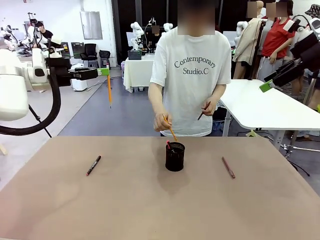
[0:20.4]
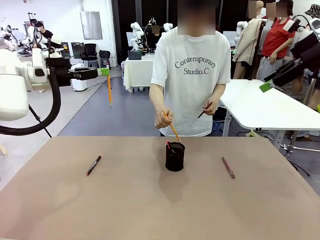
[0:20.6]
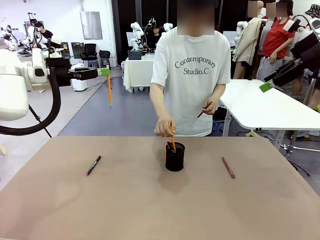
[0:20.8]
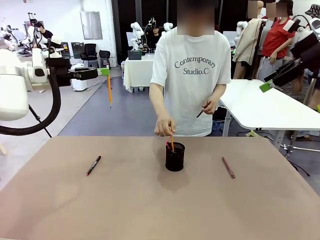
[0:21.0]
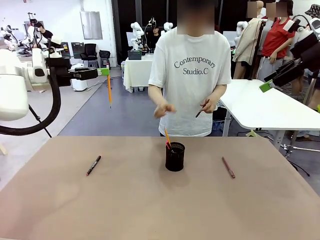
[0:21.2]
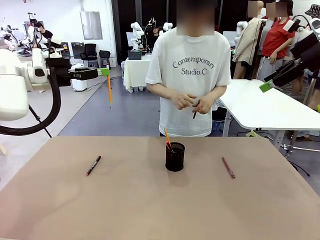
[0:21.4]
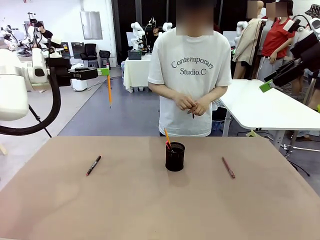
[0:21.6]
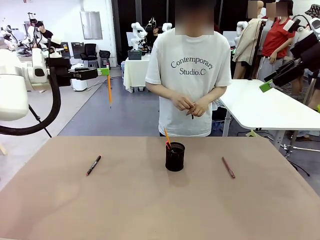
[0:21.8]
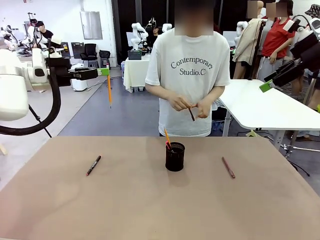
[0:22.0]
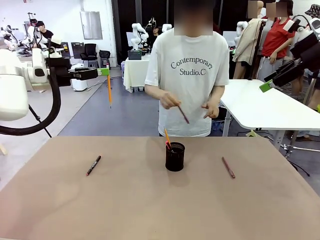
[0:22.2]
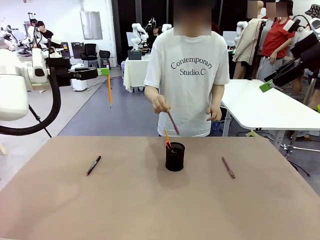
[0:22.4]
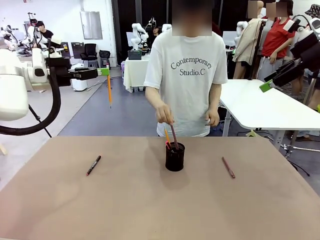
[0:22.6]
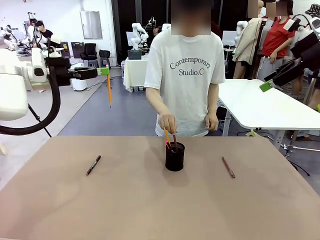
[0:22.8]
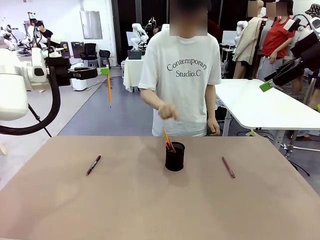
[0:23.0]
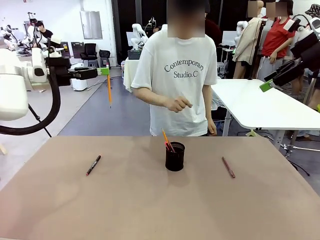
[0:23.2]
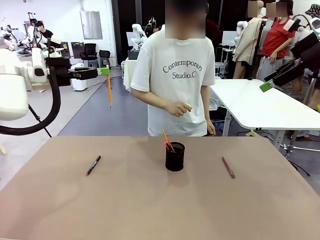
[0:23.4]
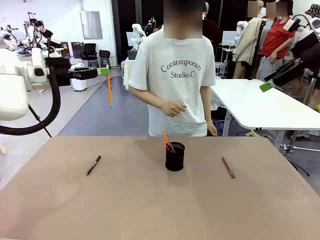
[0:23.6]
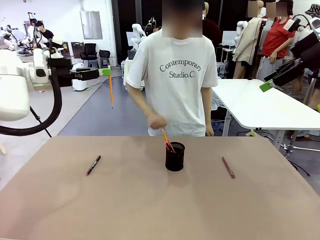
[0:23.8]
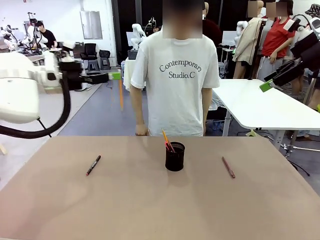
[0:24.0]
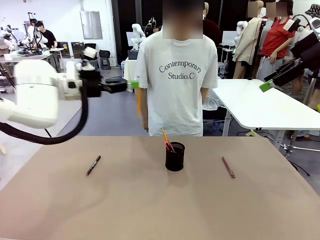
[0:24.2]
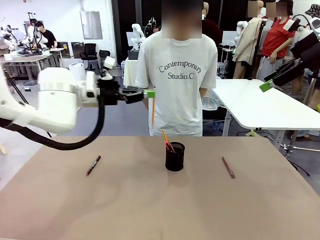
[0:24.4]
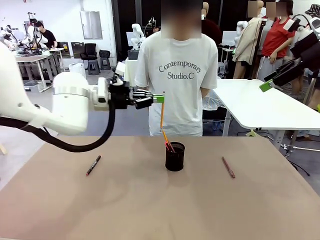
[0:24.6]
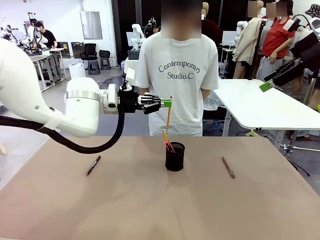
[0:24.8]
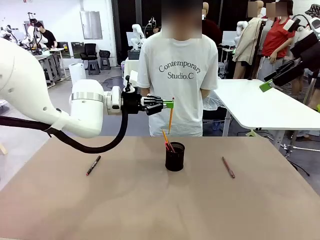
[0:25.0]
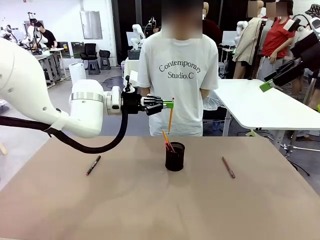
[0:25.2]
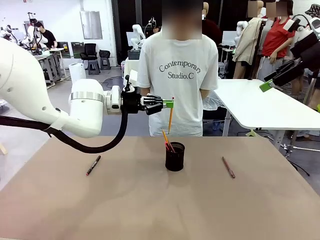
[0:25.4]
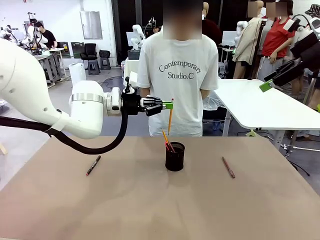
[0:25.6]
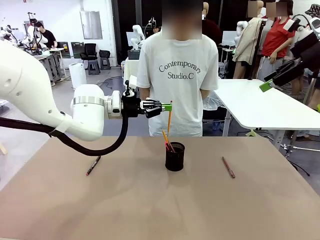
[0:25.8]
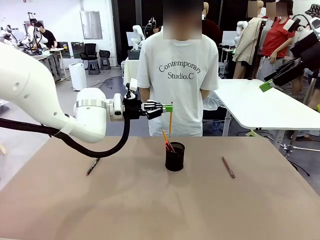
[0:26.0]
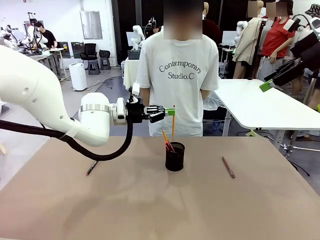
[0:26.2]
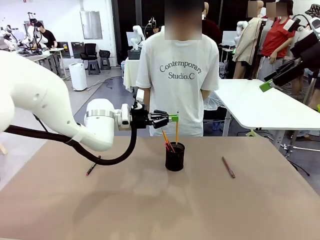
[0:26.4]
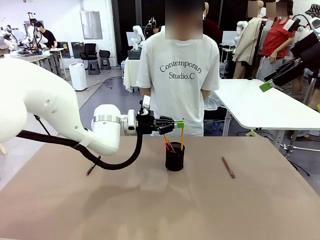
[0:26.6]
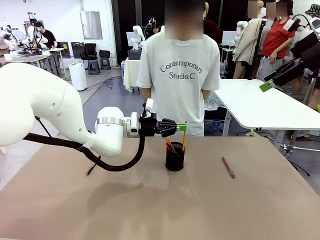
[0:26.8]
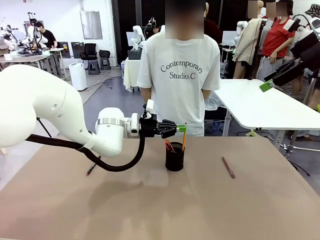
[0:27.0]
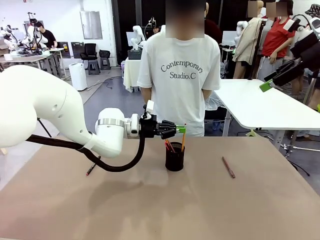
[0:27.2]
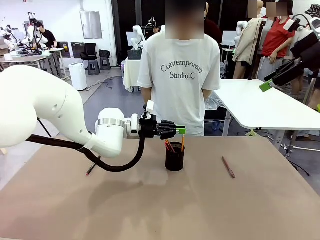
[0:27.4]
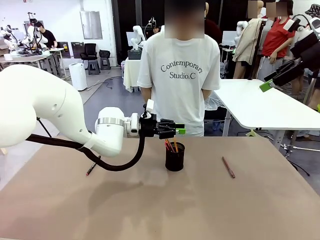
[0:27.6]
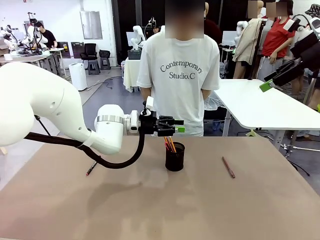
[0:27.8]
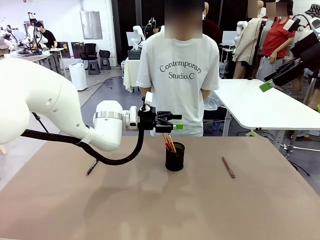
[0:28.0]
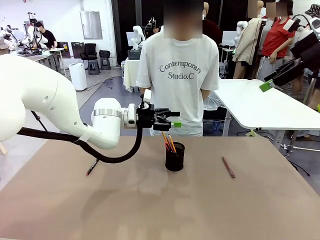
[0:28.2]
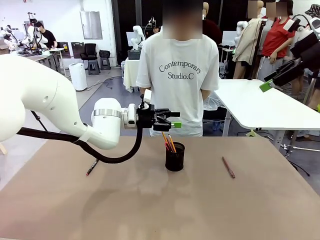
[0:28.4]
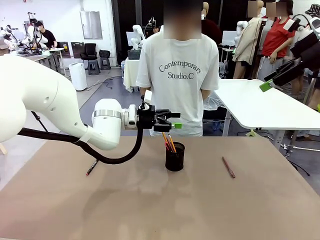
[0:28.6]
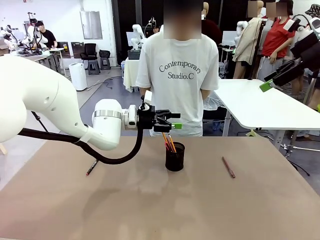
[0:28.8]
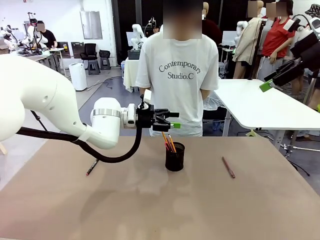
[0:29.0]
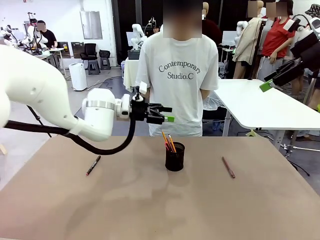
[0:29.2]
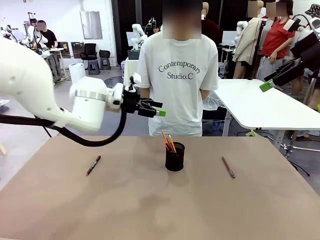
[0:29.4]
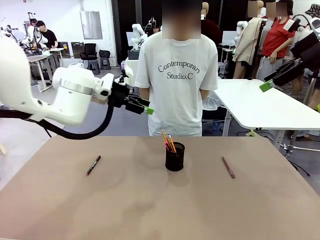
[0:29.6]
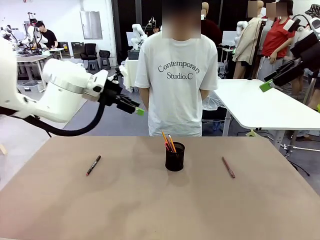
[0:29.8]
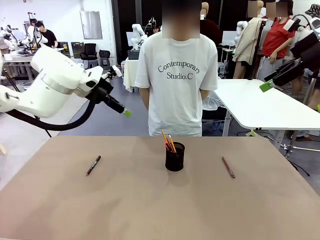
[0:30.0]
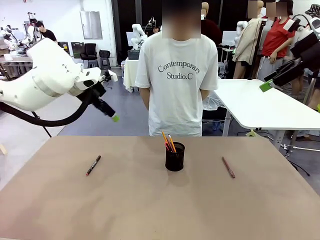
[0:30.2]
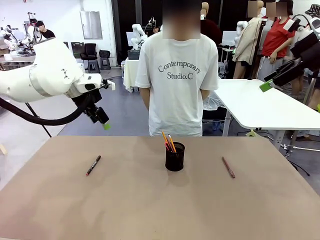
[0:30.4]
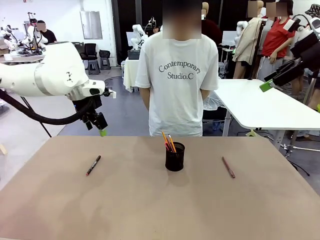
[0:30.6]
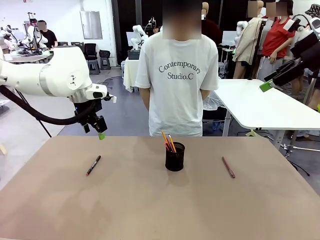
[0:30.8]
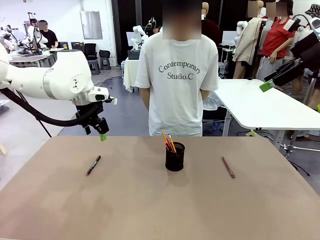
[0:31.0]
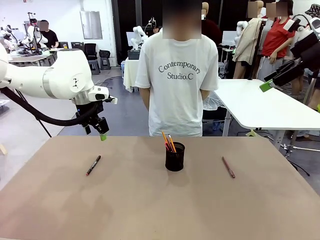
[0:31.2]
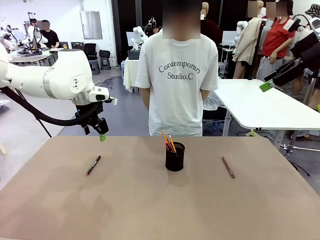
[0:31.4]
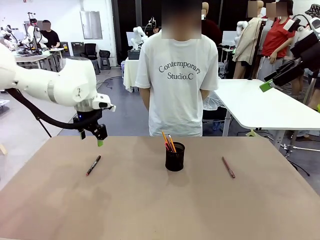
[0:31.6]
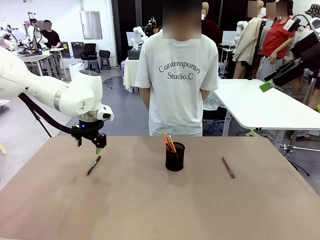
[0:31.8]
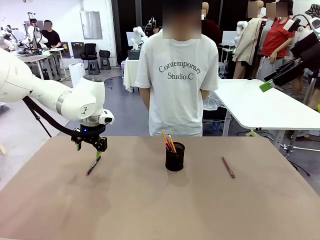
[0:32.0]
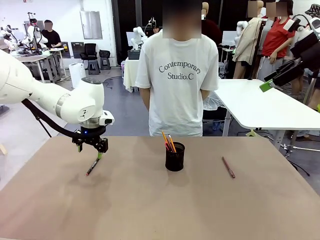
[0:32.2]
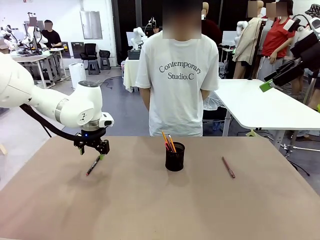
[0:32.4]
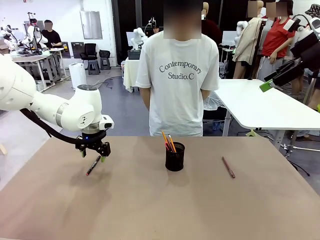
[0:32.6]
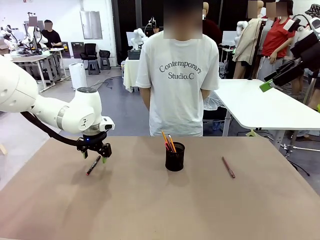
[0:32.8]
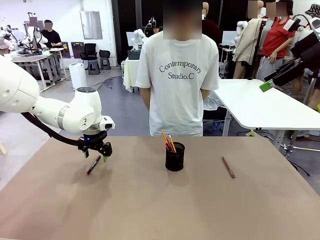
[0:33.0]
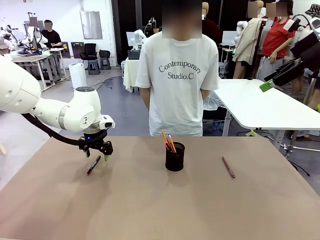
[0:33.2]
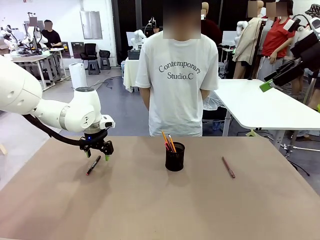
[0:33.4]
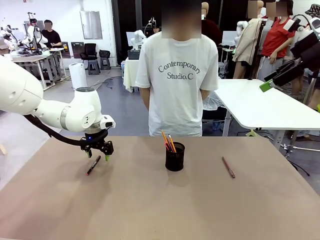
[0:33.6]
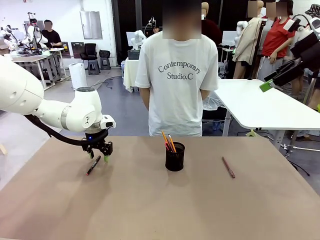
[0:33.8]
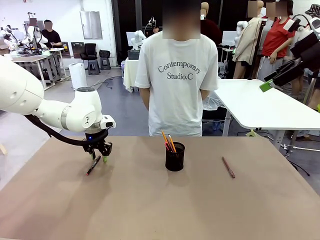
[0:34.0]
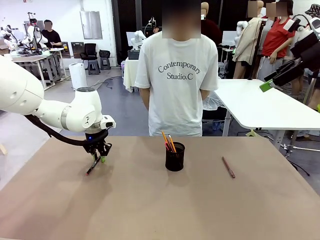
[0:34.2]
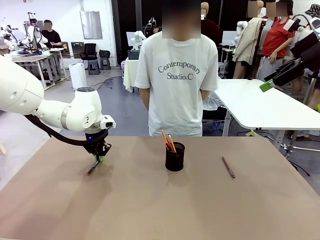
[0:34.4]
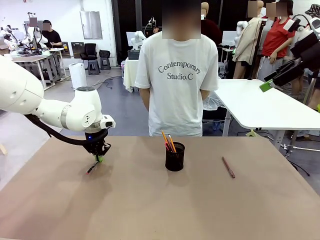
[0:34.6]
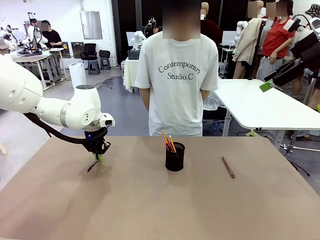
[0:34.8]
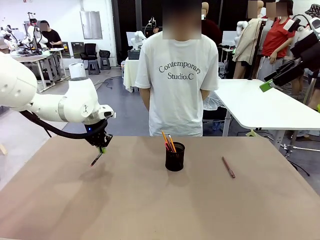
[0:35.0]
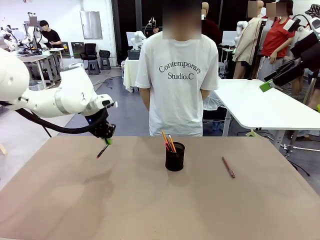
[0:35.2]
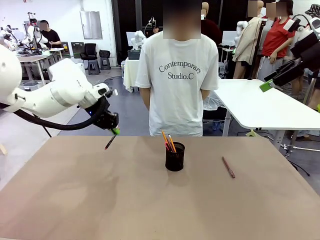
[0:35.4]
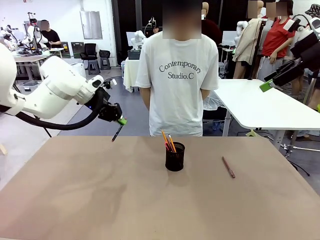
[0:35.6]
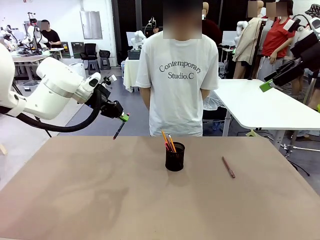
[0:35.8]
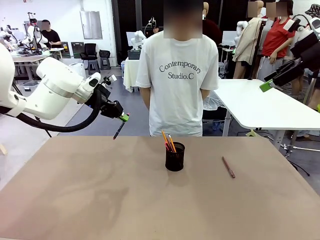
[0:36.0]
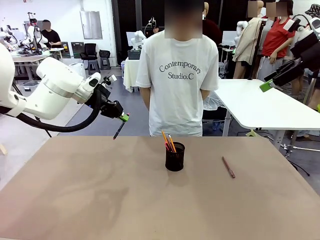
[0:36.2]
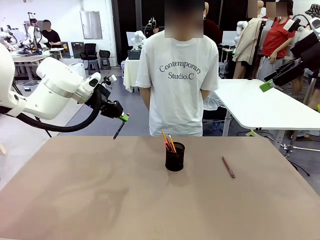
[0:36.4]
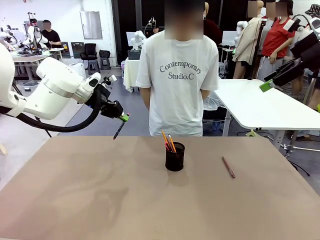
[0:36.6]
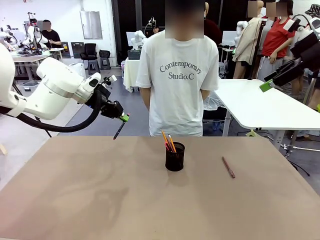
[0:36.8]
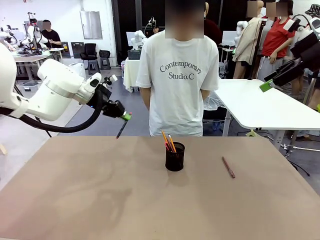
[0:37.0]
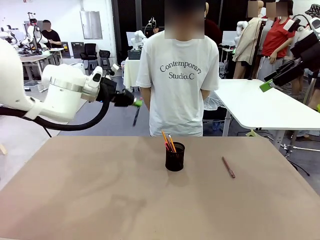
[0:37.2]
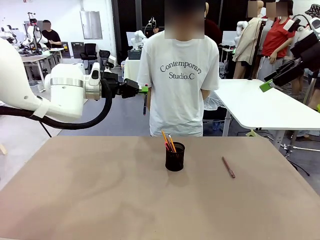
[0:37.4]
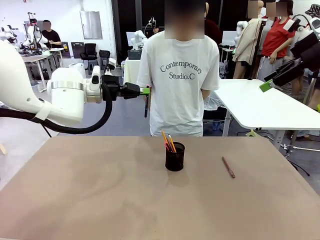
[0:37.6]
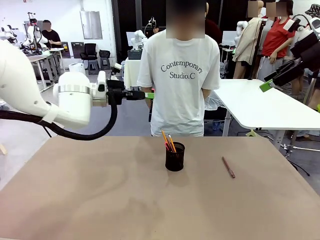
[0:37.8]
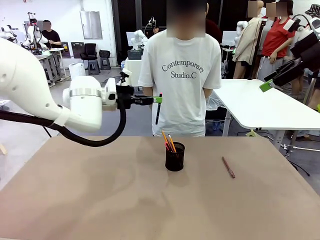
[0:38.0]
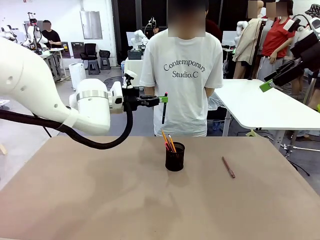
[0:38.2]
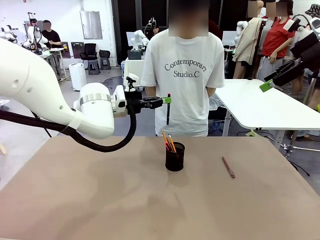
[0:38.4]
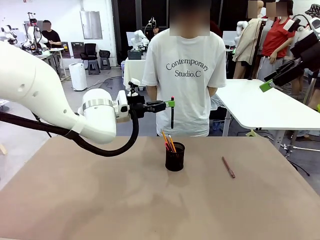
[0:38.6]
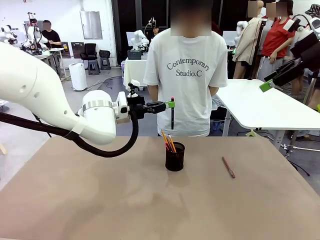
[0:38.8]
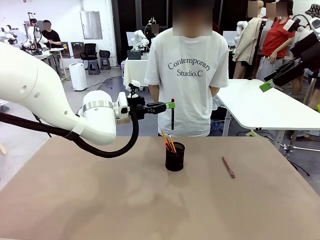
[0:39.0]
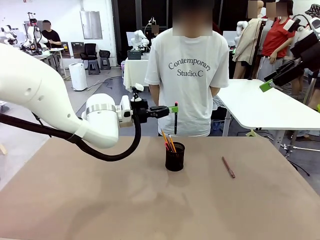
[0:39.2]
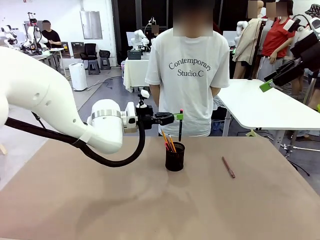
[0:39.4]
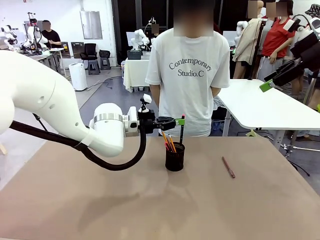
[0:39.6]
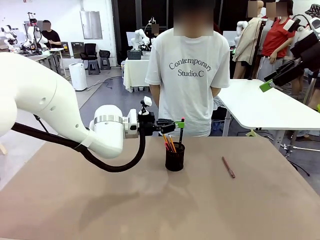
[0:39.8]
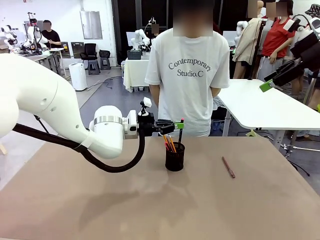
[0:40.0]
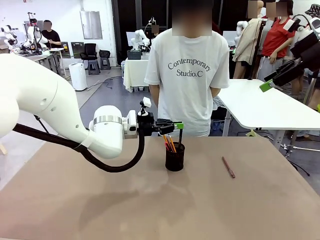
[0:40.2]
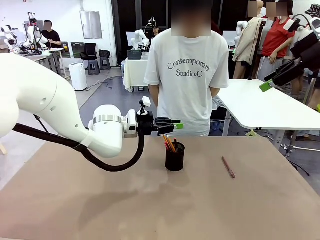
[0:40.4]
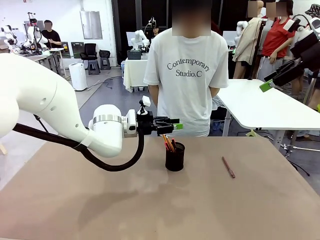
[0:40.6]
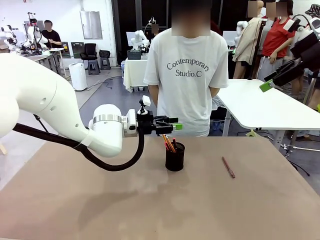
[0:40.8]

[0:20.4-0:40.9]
Task: Place the pens into the pen holder.
Robot: Pick up a writing instrument from the table and place it into the Pen holder.
